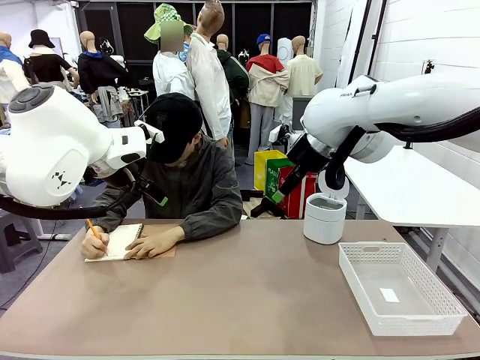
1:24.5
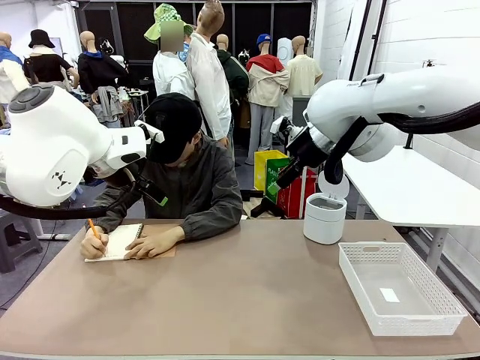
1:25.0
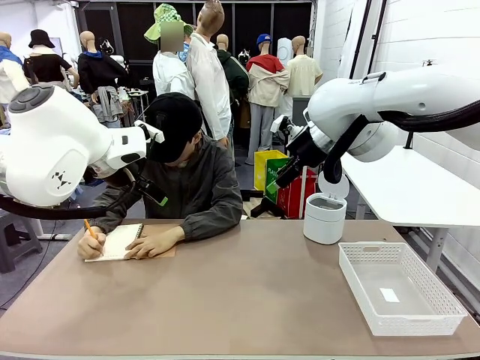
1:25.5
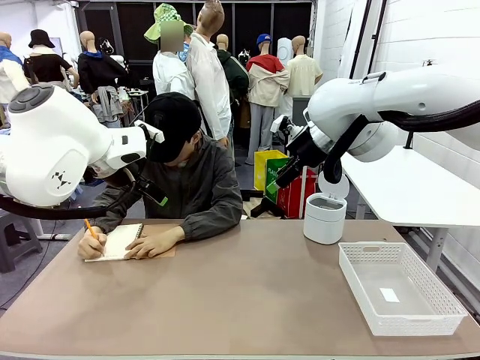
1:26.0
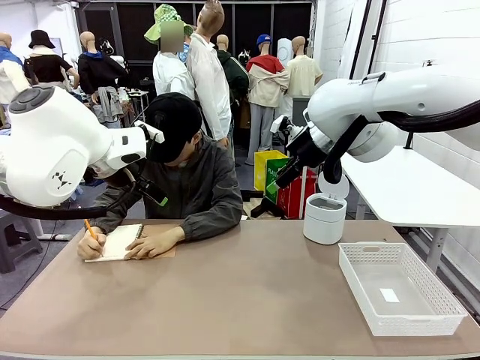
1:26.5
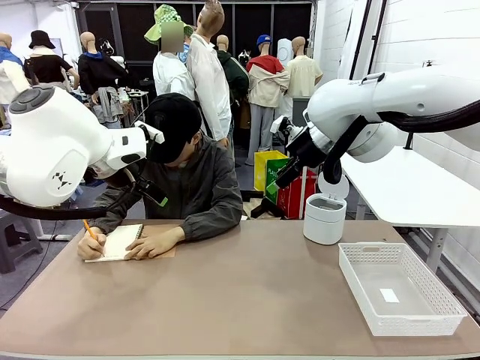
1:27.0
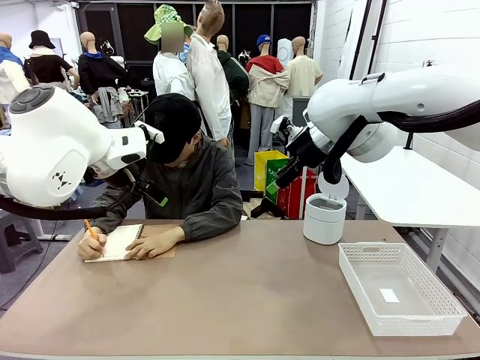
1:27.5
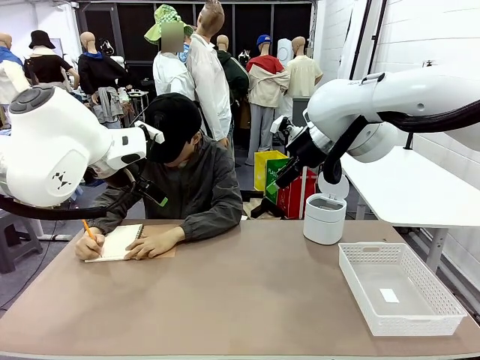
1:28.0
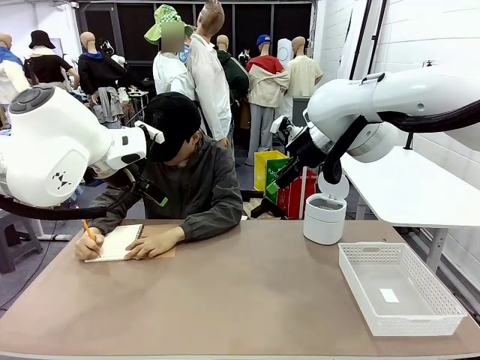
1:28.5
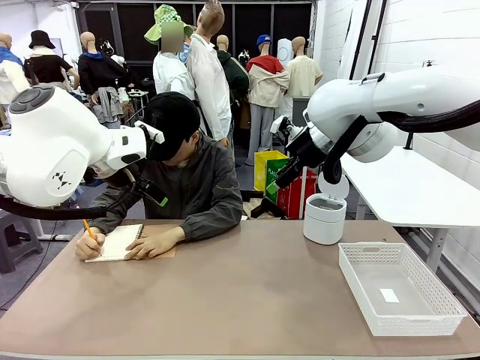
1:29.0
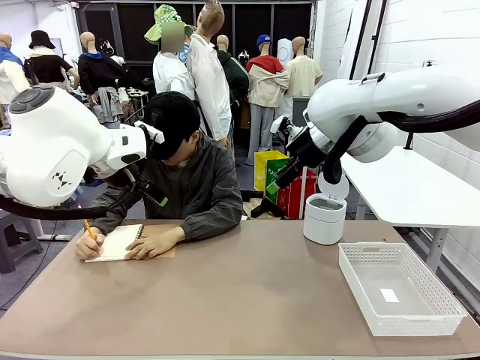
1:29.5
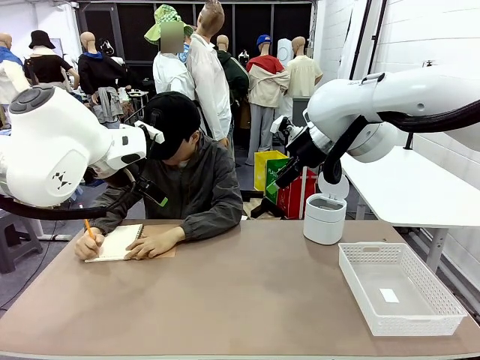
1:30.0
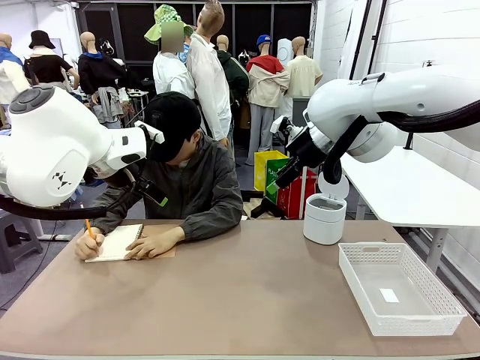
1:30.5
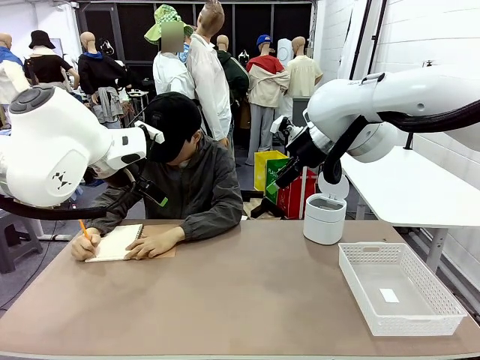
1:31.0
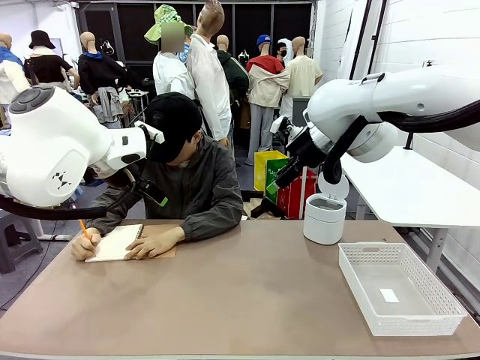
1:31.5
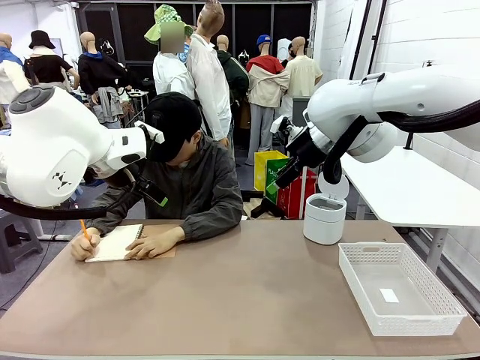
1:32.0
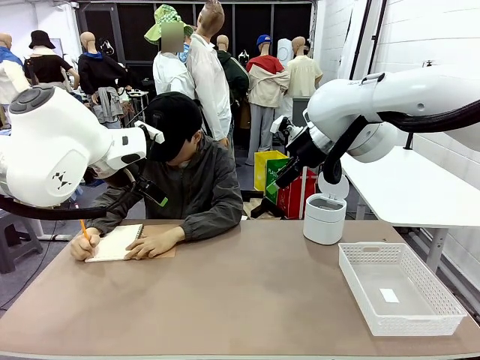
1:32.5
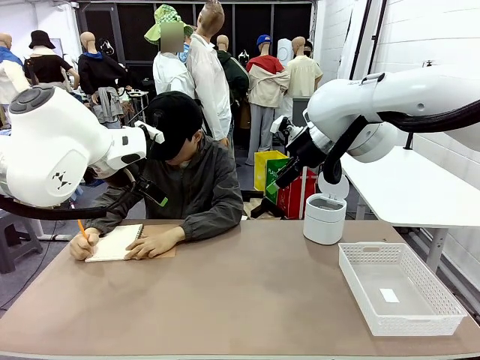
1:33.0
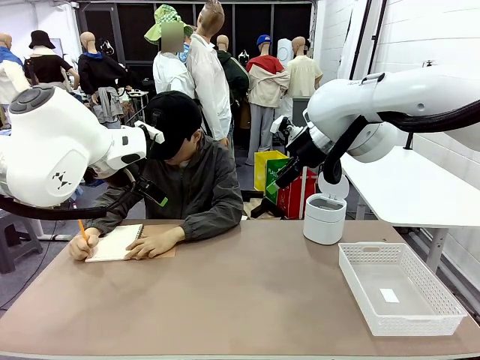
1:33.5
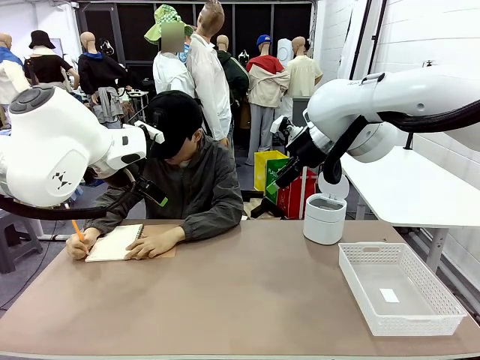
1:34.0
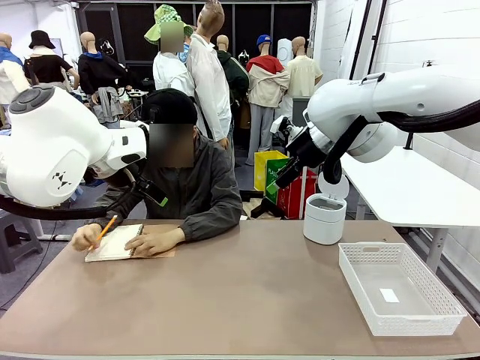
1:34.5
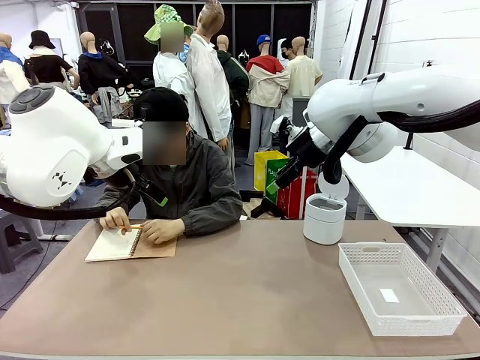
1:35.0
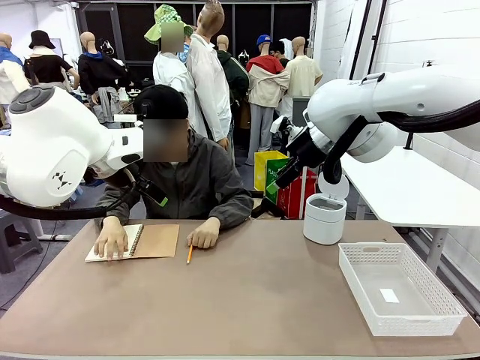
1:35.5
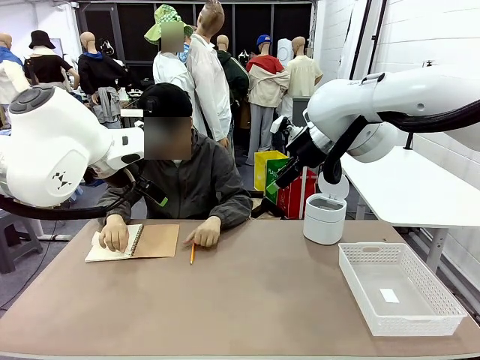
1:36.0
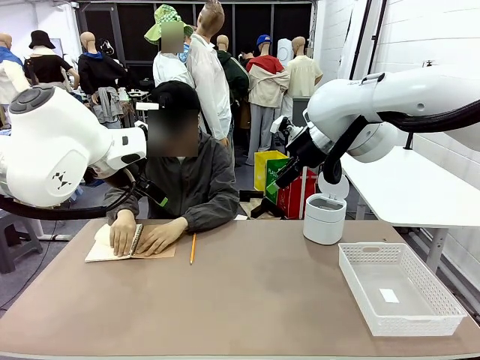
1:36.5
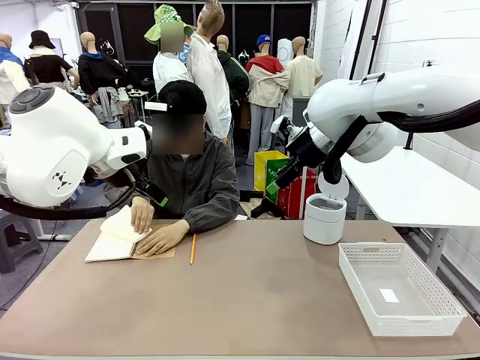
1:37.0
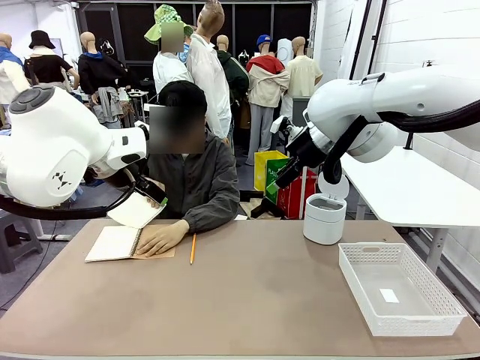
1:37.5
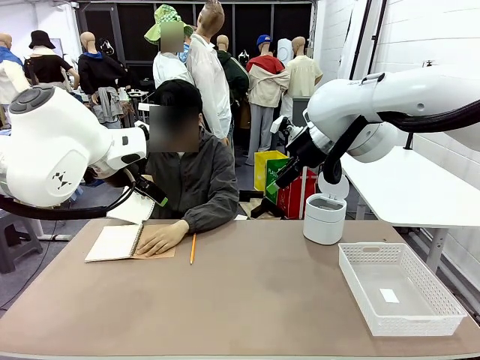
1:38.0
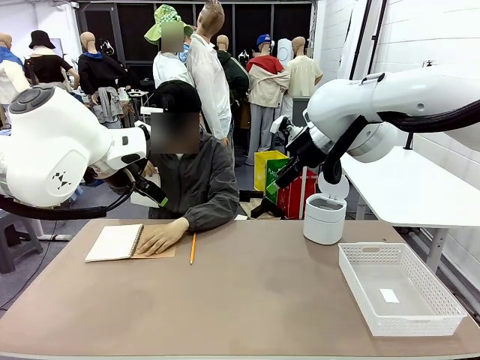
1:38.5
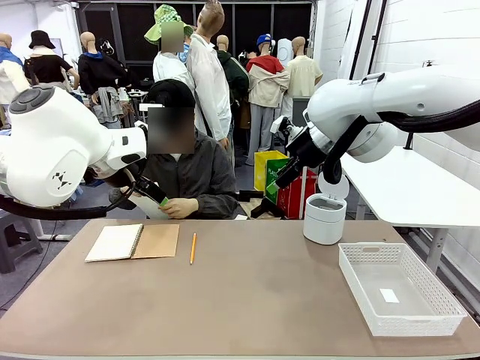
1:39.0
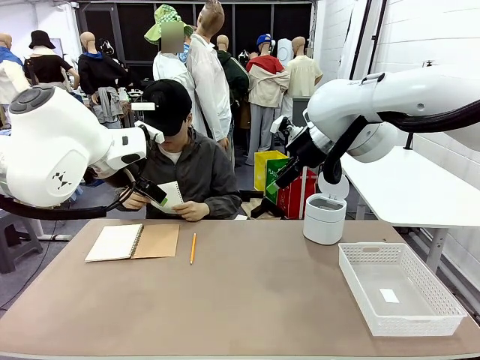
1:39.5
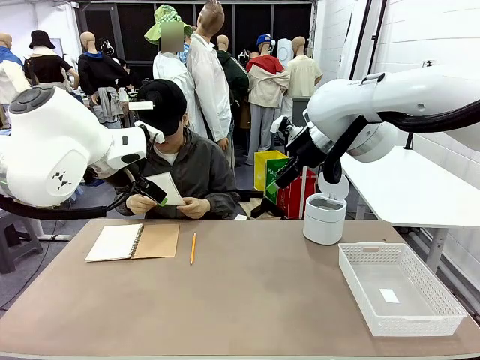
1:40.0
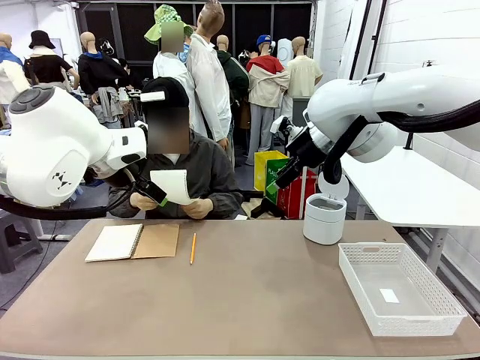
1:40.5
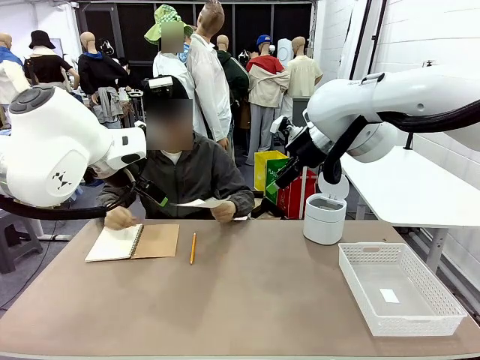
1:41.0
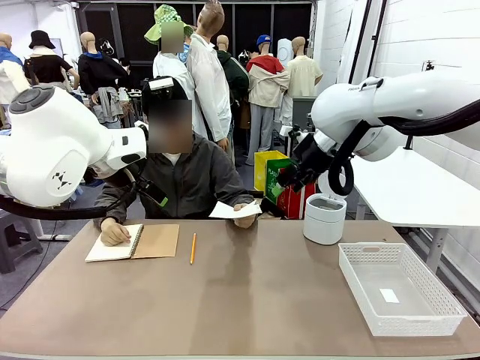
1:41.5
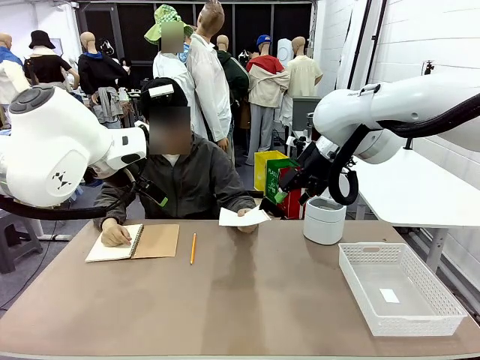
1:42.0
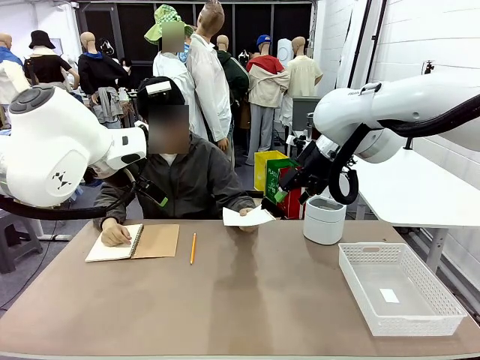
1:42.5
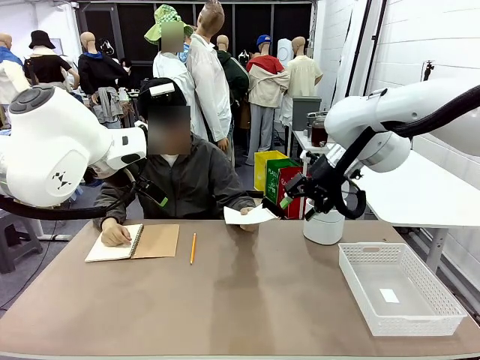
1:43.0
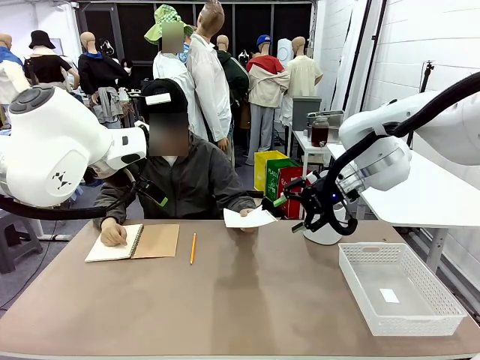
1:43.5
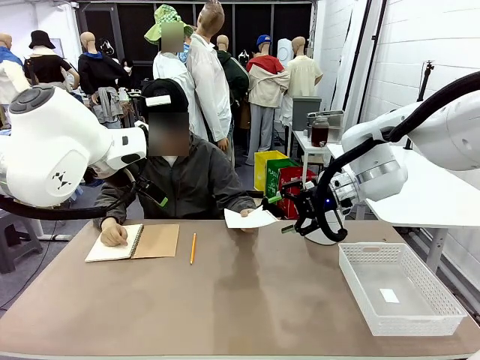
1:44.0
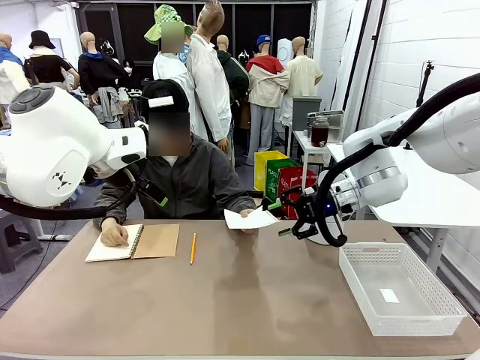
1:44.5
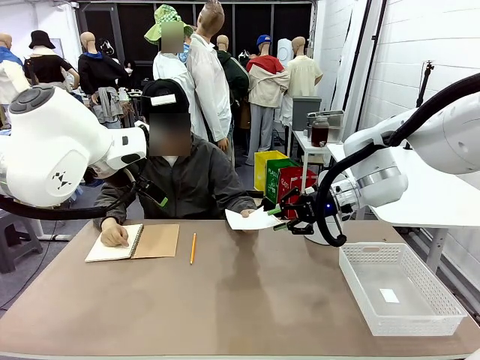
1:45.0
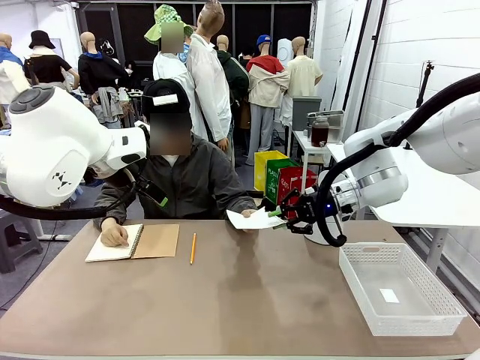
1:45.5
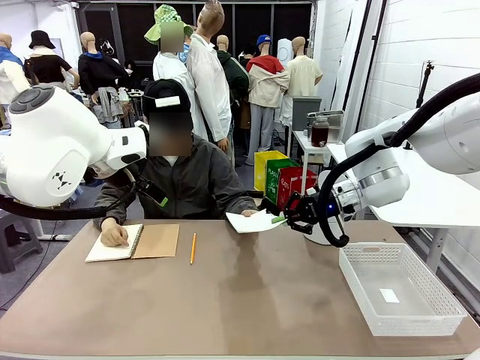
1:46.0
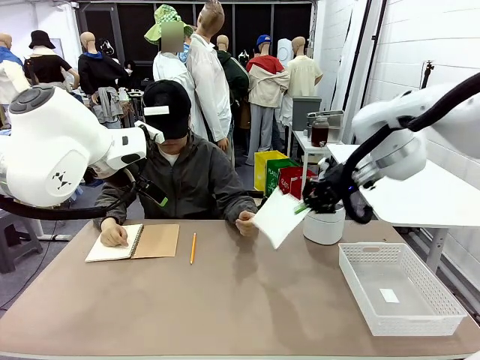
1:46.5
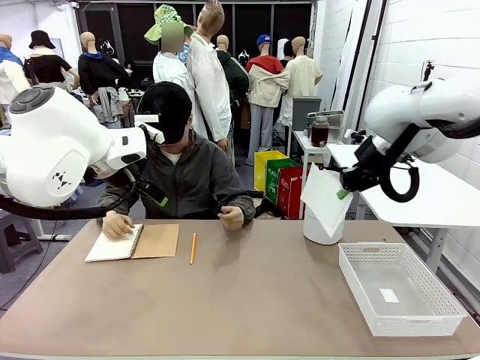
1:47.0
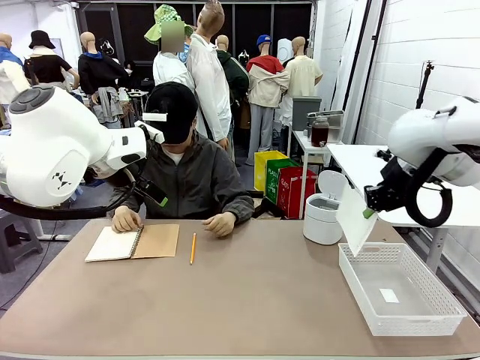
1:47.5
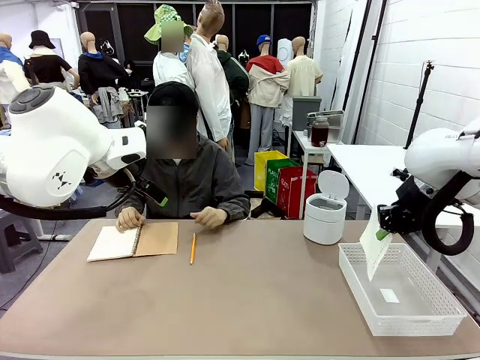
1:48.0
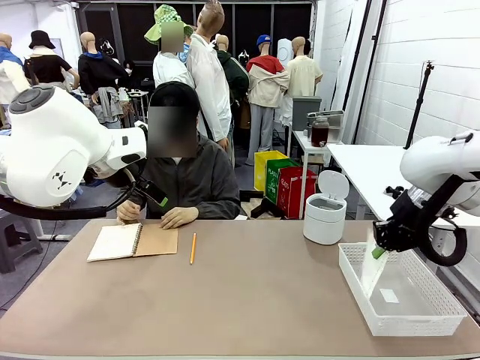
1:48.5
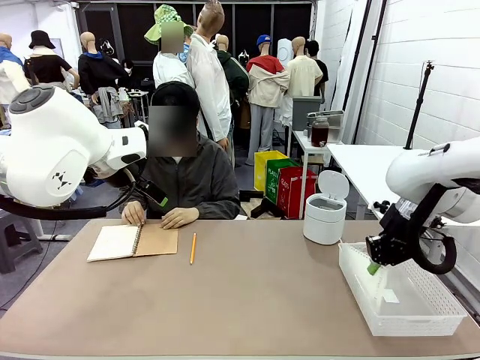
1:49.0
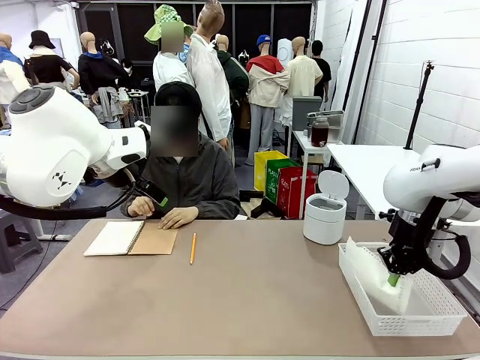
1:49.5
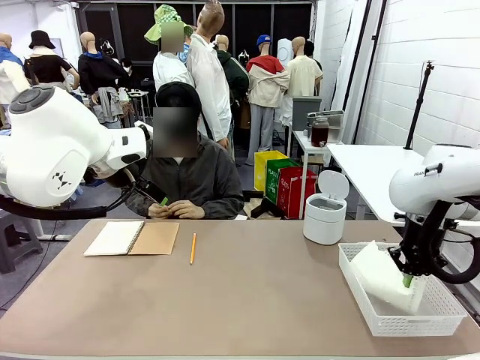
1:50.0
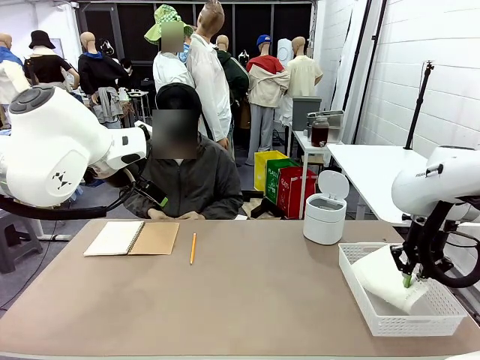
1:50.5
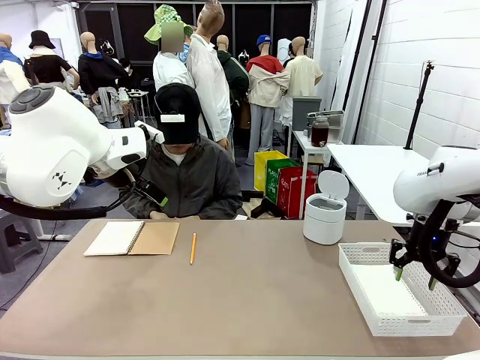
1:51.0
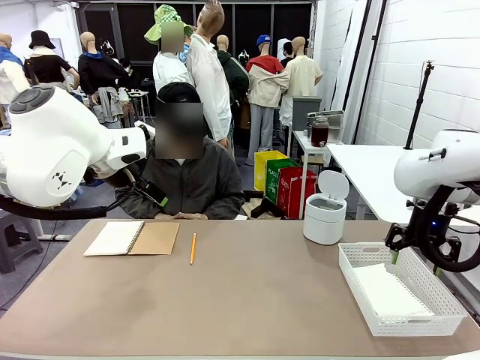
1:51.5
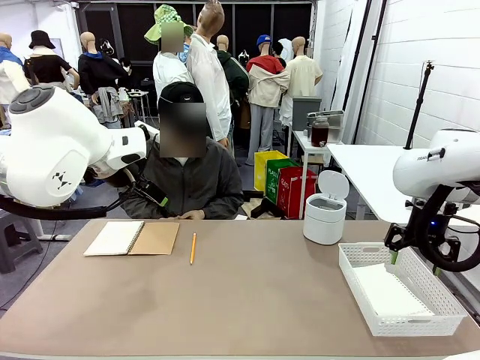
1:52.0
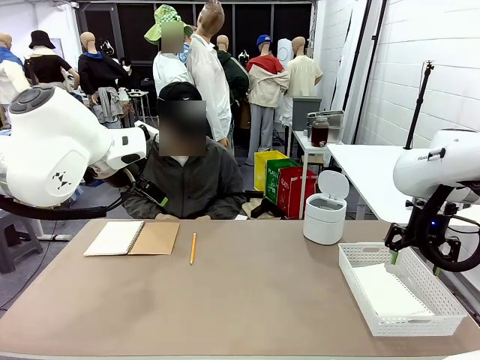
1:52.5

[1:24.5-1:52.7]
Task: Sort the paper based on its condition.
Robot: If a person hands you a paper, place it in the Organizing basket , and if it's crumpled, put it in the Trash can.
Person: Hand the torn page to the robot or crumple it and throw it to the center of the table.
